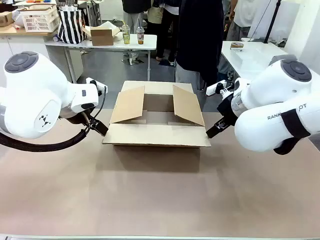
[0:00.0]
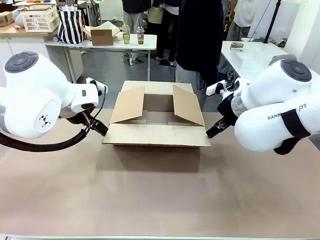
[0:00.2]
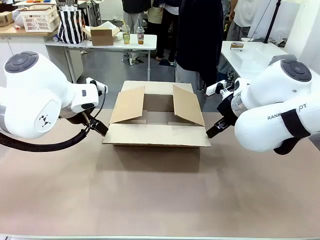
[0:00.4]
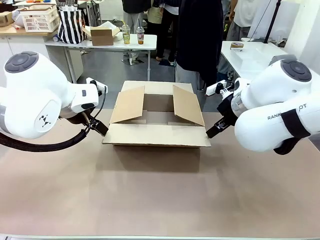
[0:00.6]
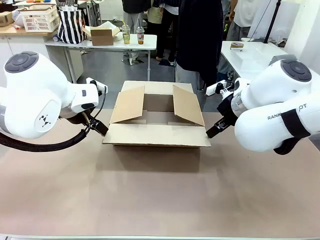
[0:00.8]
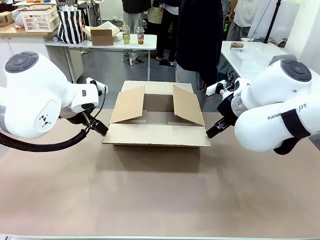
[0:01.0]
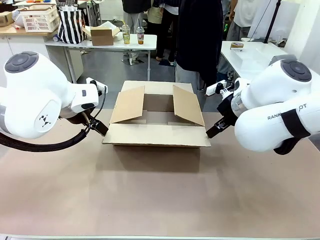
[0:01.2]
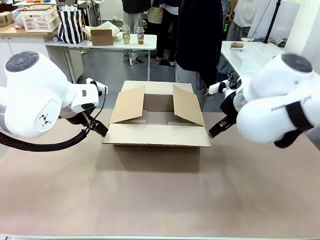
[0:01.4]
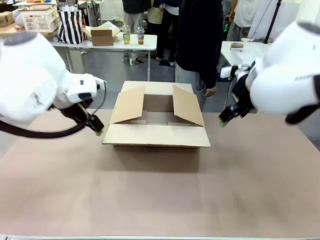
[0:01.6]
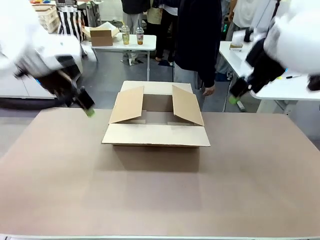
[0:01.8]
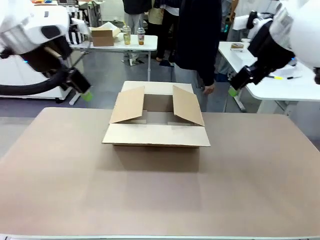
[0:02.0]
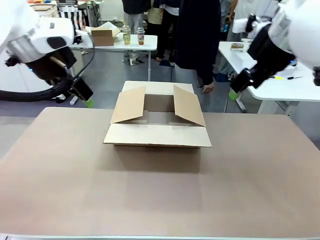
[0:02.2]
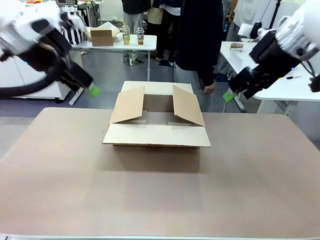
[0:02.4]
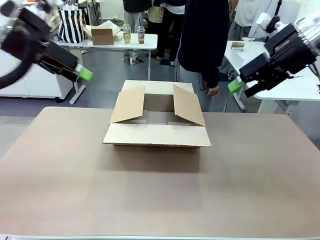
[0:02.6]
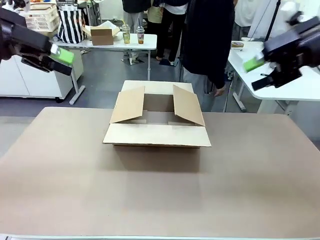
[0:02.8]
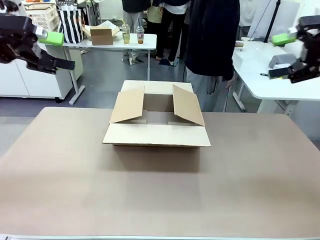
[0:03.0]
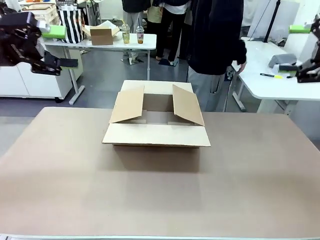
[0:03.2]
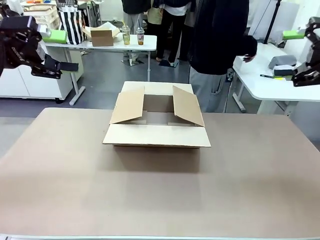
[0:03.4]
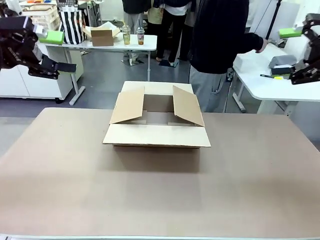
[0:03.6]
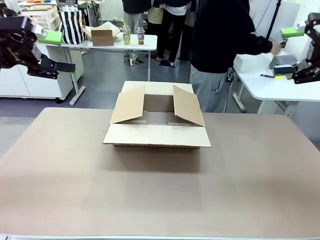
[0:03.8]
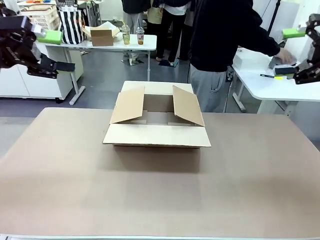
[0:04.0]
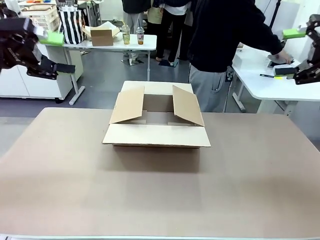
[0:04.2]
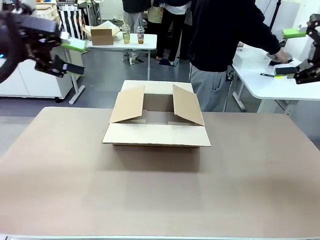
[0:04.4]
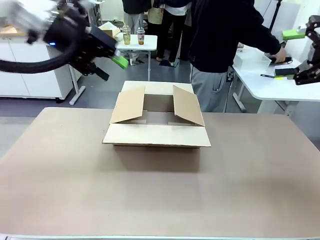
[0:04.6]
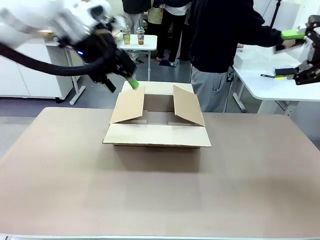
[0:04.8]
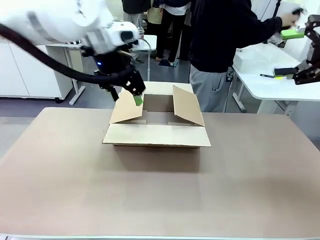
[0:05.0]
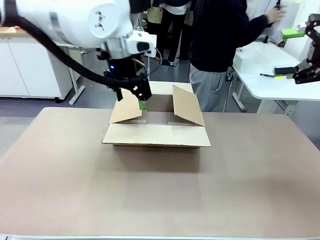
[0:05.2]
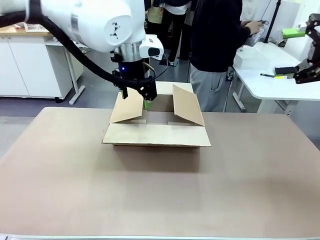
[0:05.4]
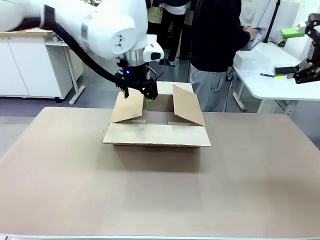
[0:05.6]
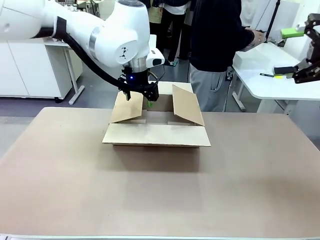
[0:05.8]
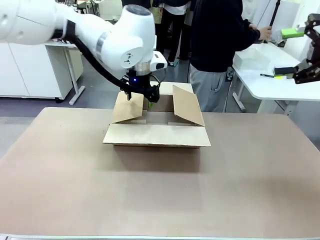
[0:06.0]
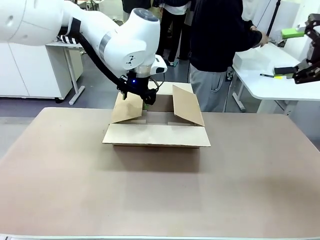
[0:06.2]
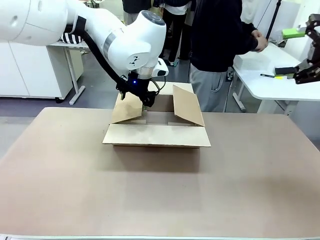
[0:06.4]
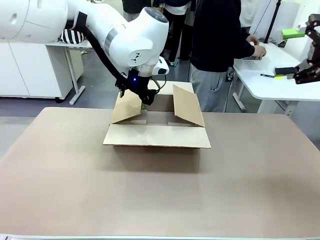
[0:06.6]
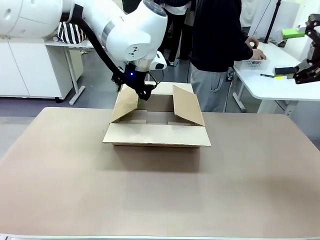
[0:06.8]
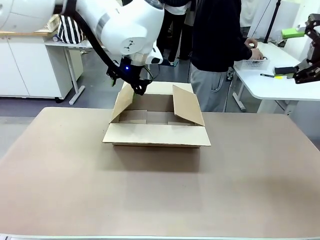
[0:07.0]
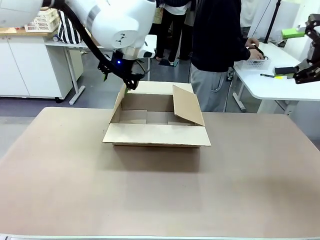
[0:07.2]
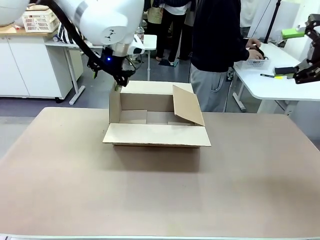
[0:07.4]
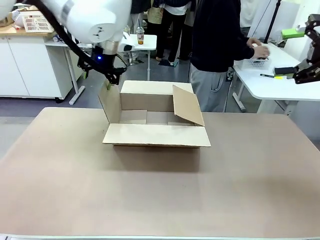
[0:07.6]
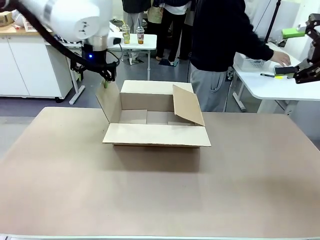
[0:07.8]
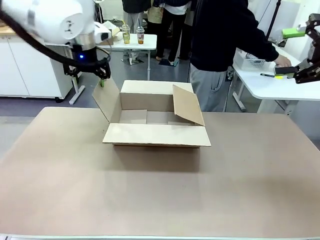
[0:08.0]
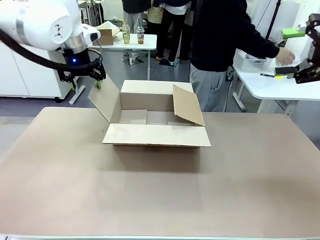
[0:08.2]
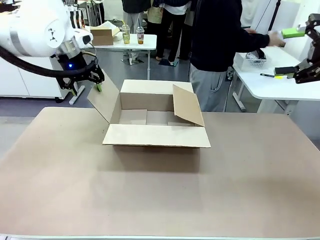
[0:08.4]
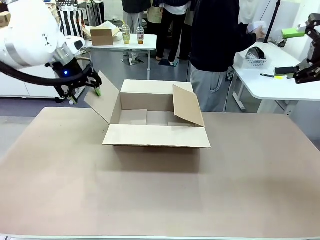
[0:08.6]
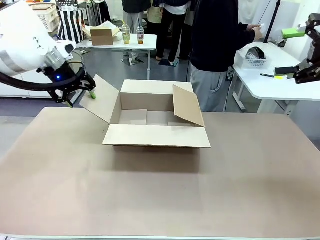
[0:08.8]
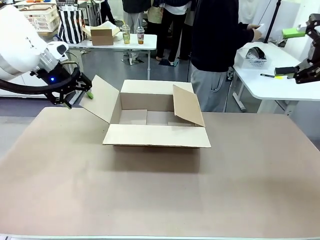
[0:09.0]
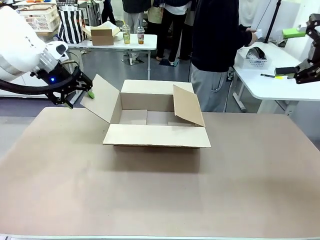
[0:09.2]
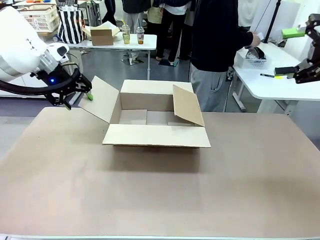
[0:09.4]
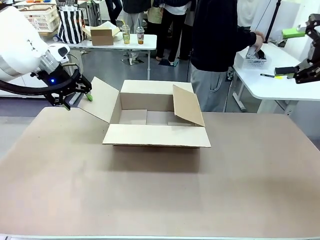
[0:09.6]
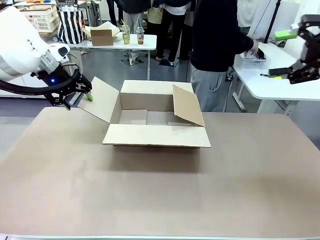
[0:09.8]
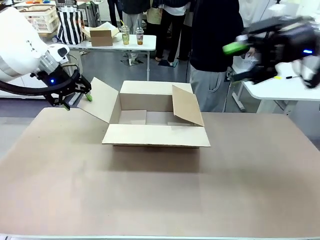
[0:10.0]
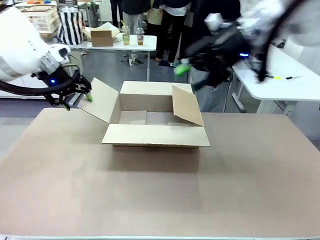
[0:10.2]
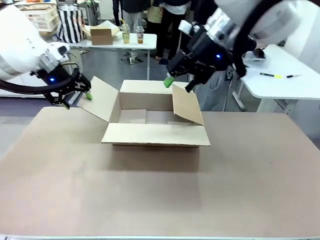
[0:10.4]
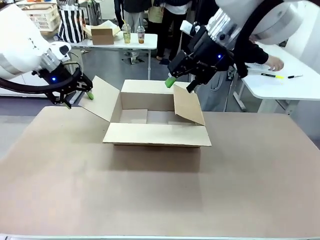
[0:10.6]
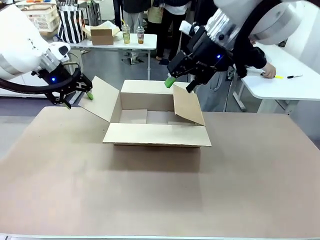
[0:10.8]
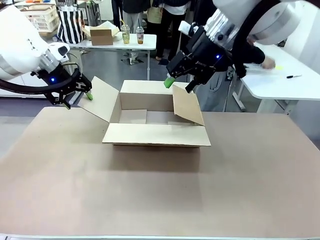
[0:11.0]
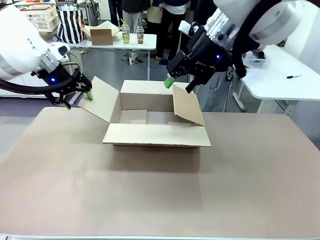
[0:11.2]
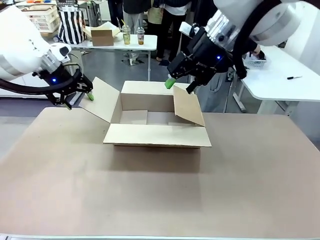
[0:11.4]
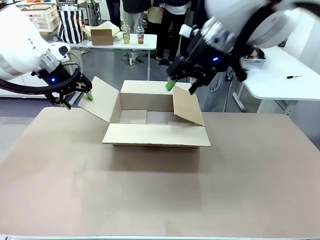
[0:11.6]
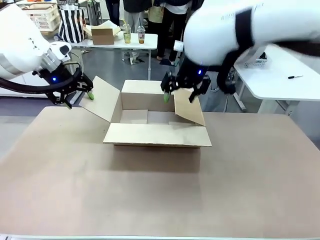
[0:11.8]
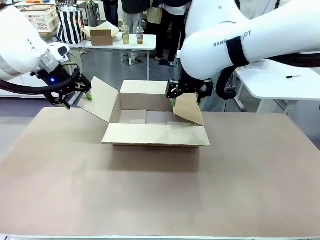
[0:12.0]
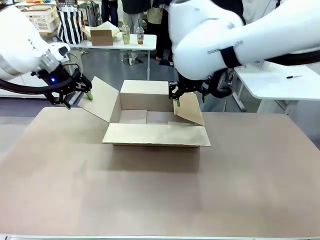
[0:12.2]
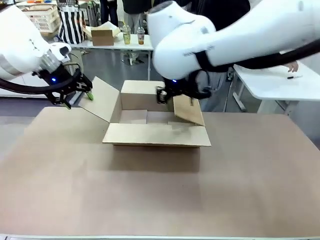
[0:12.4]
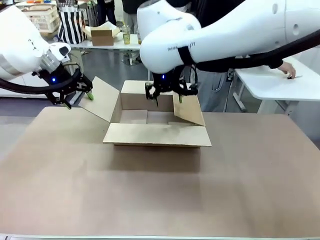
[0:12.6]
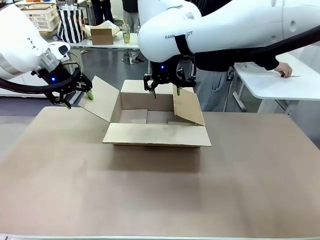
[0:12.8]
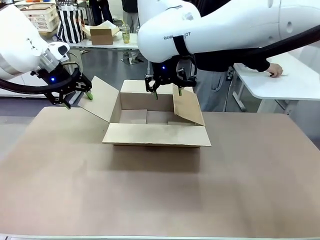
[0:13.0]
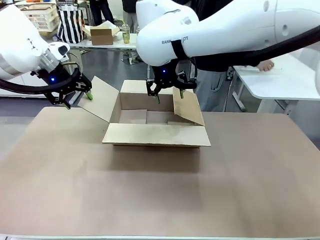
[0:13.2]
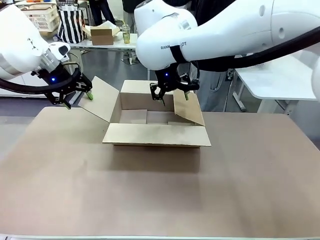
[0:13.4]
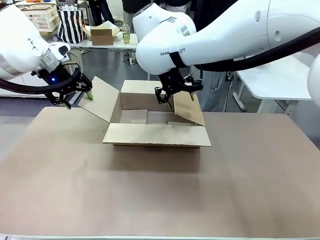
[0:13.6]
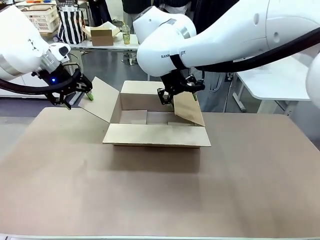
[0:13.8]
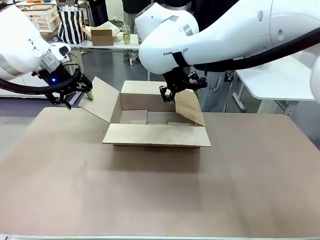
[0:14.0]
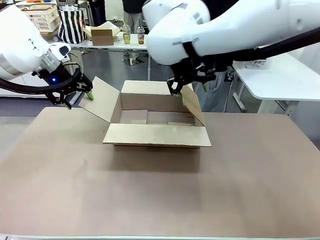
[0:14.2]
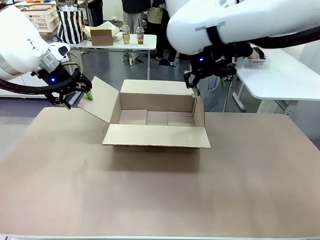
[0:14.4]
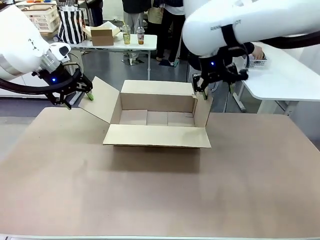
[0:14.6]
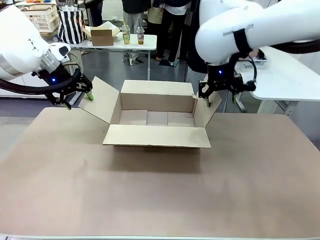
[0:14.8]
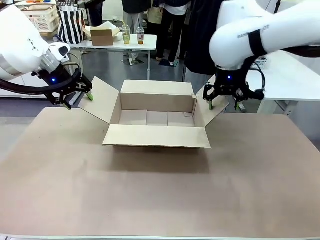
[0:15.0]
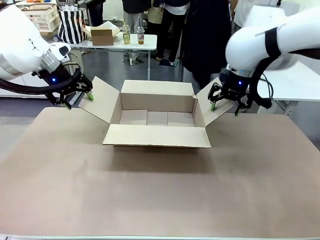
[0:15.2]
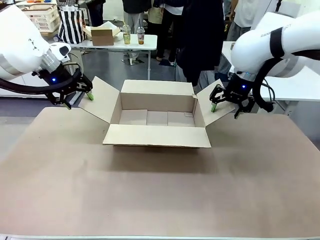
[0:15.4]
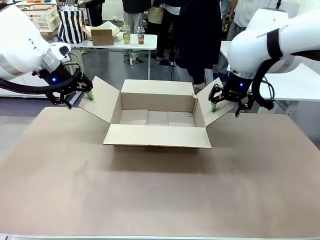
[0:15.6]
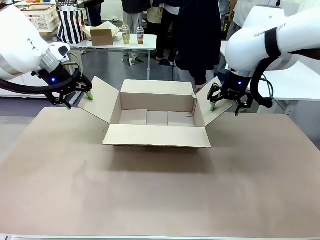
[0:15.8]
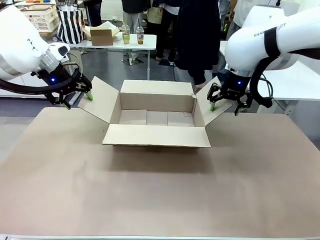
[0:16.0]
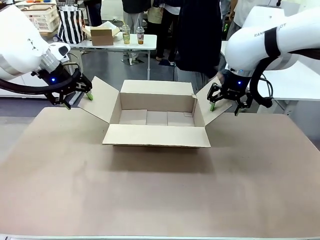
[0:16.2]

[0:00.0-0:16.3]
Task: Pack the gift set into the box.
Robot: Place both hands on the side flaps of the Package Box and spread them outward.
Person: The human places all items except the paper tape into the organizing basket.

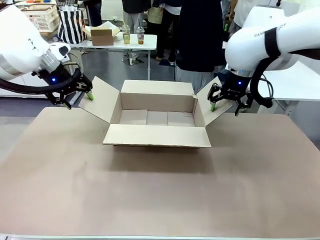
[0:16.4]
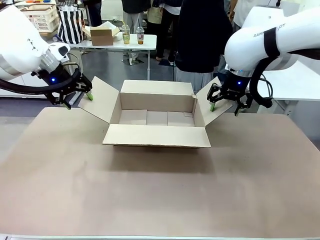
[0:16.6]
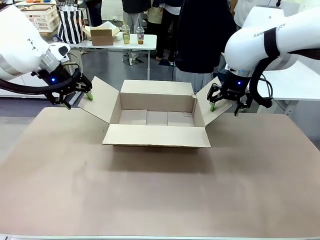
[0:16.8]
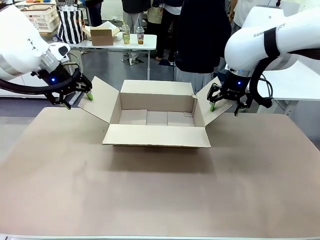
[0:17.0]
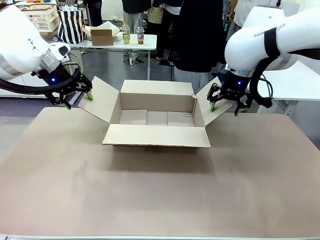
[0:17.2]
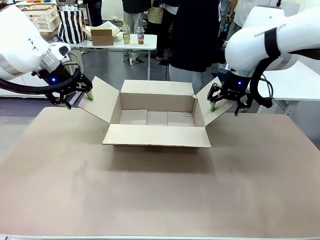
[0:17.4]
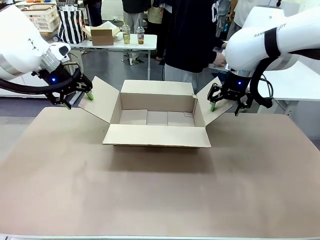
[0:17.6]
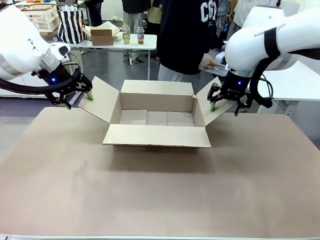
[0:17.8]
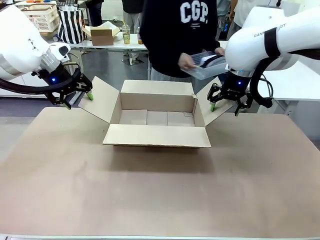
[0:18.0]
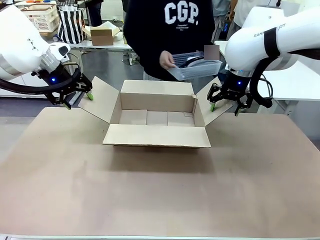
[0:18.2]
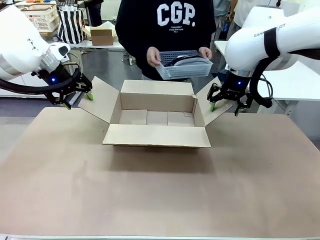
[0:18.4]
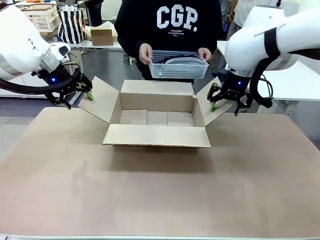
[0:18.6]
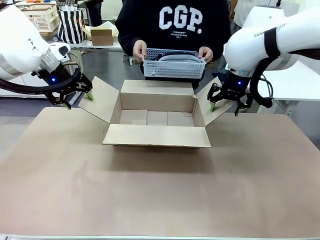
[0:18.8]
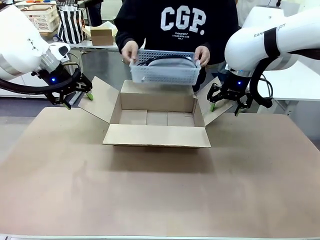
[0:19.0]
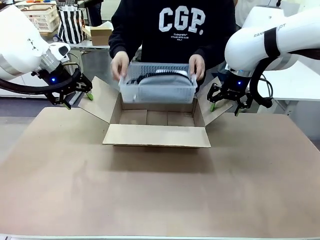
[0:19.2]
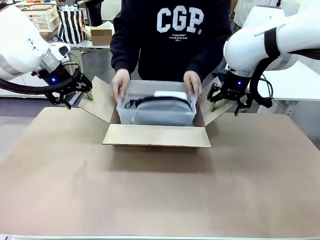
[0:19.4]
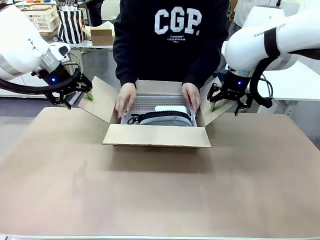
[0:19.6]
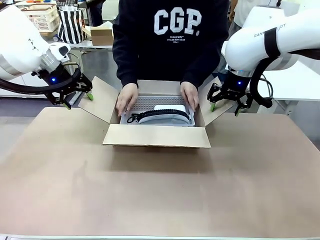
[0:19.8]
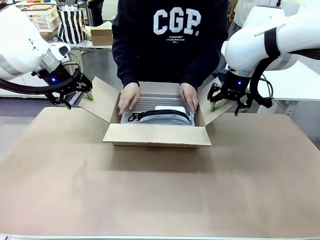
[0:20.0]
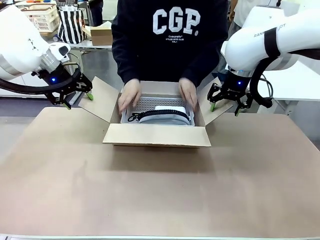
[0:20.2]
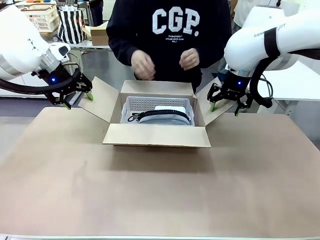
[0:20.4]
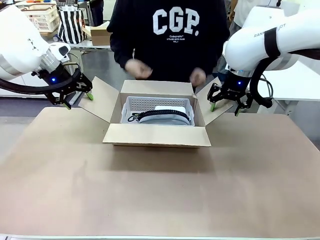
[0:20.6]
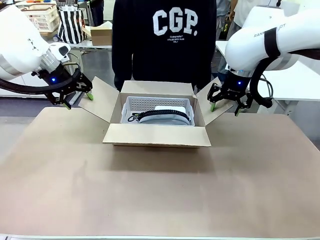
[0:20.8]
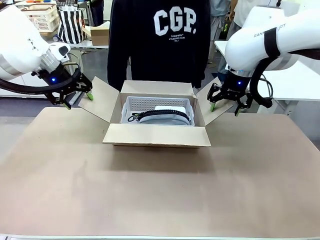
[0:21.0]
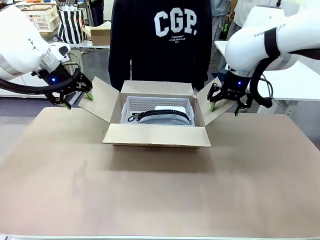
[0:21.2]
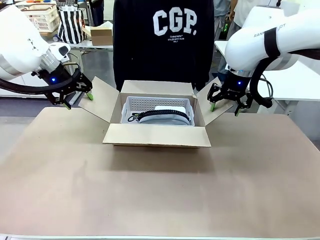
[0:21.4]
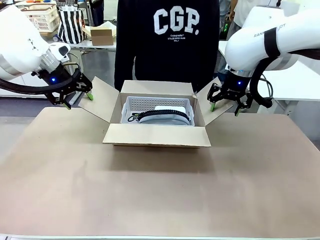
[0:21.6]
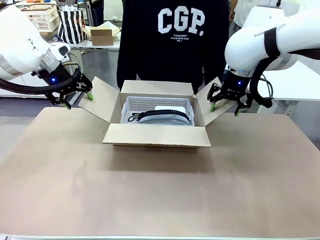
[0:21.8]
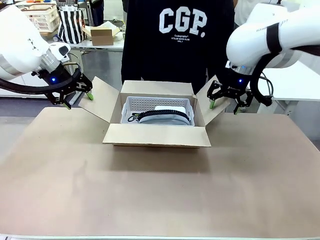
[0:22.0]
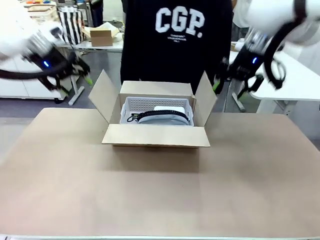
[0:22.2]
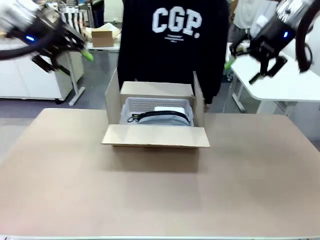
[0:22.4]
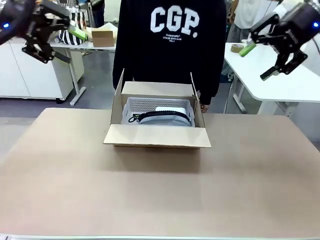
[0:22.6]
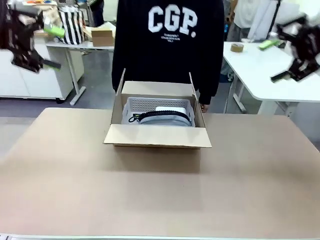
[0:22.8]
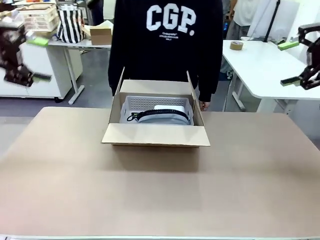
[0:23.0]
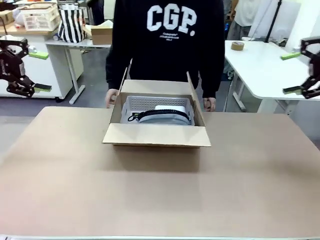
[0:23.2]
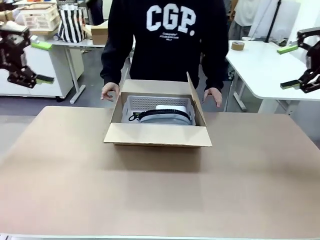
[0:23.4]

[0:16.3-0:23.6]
Robot: Lift both hands away from the flaps of the Package Box.
Person: The human picks up the organizing basket and places the organizing basket into the package box on the robot table.
